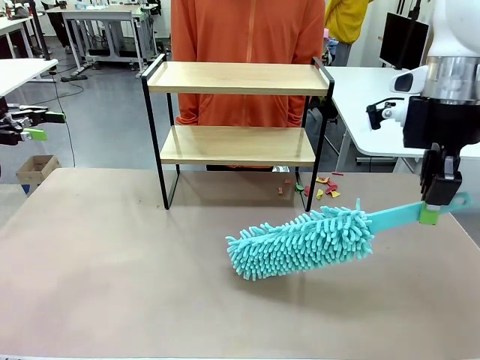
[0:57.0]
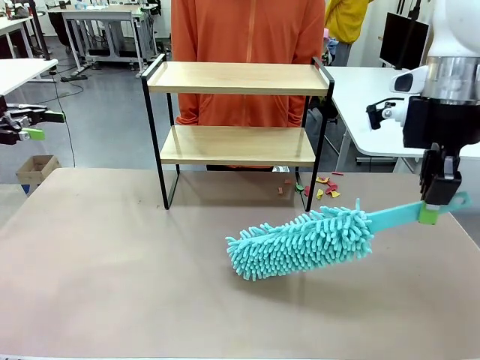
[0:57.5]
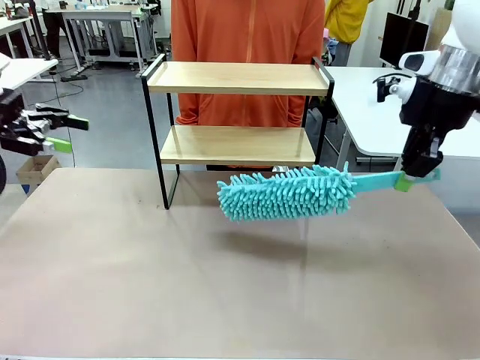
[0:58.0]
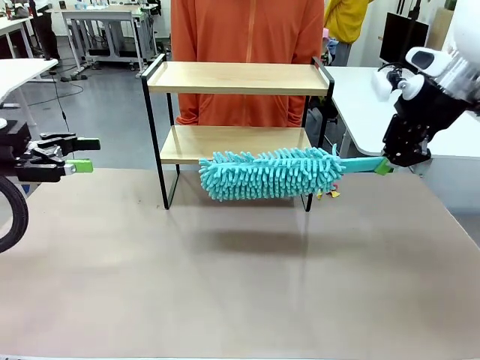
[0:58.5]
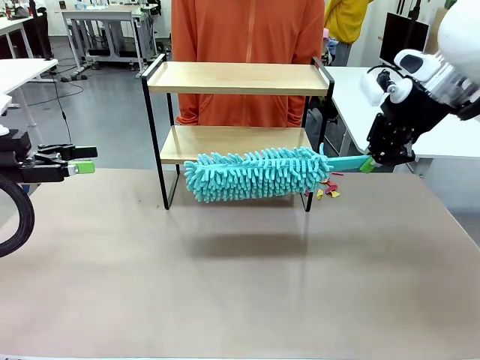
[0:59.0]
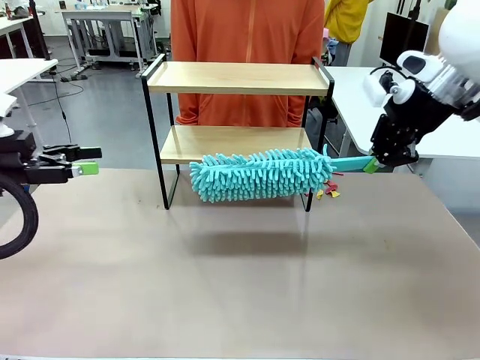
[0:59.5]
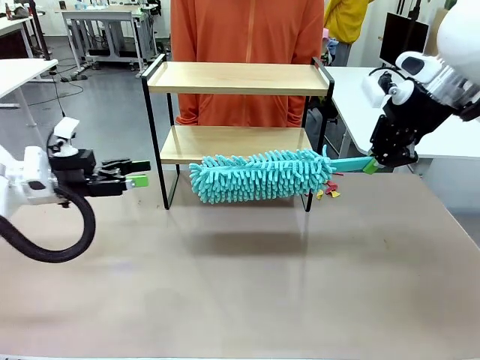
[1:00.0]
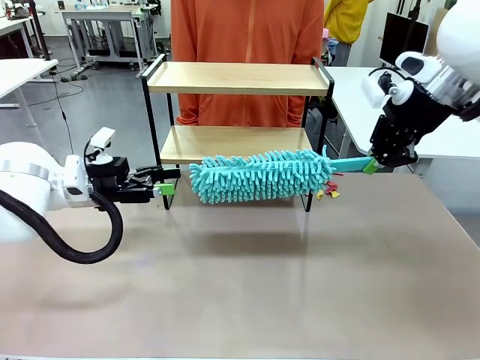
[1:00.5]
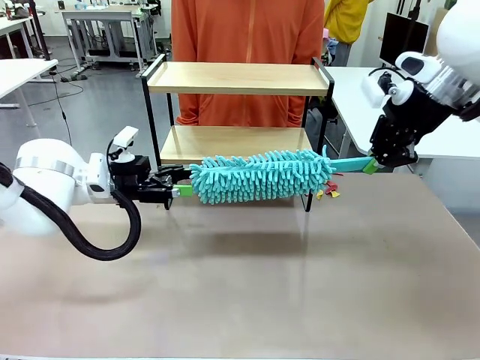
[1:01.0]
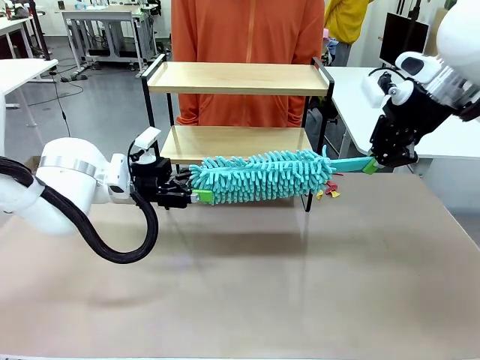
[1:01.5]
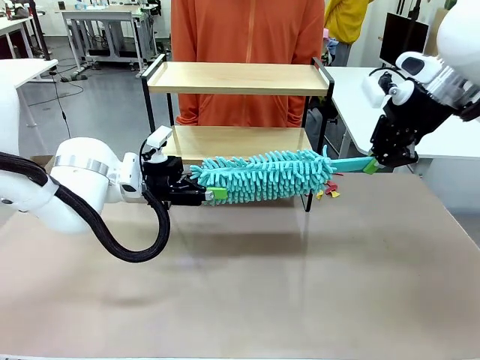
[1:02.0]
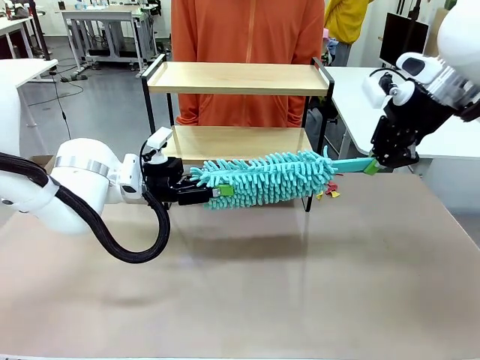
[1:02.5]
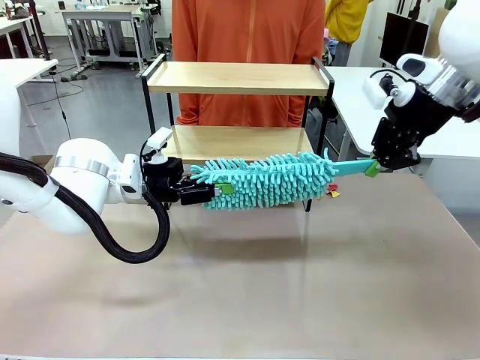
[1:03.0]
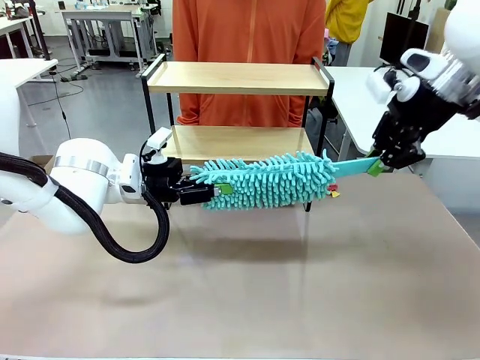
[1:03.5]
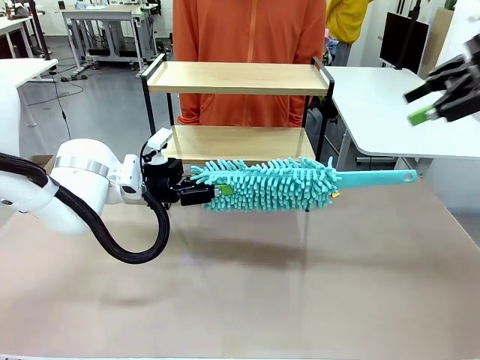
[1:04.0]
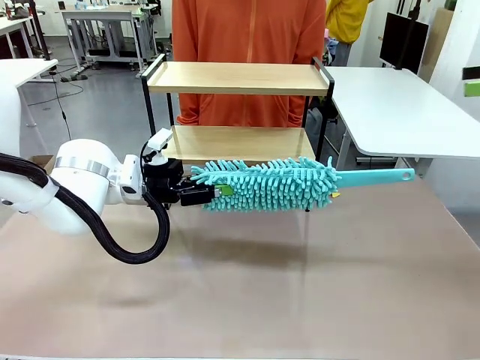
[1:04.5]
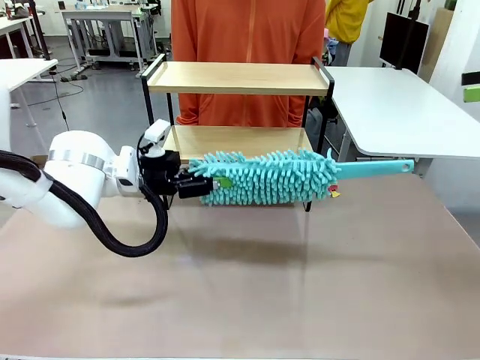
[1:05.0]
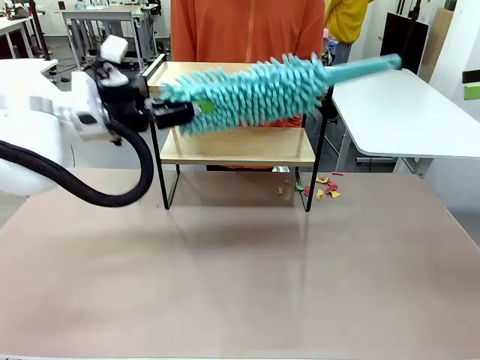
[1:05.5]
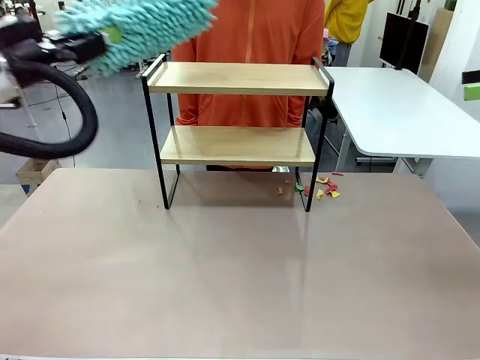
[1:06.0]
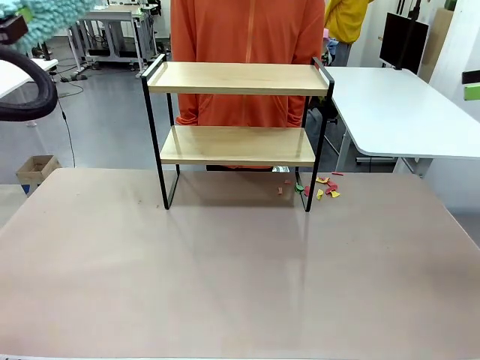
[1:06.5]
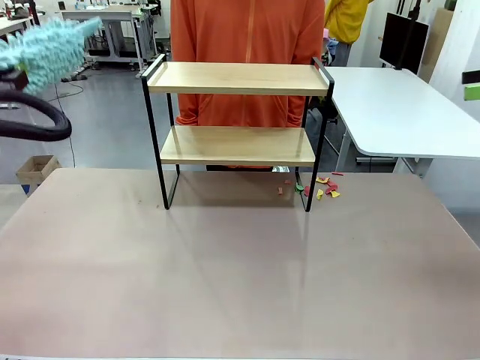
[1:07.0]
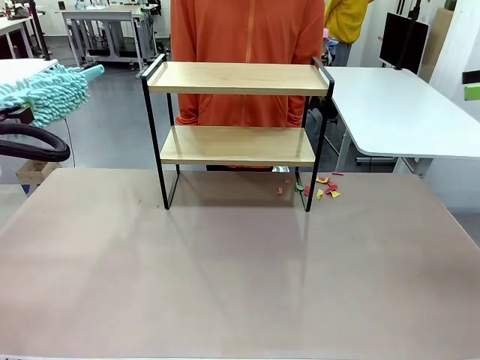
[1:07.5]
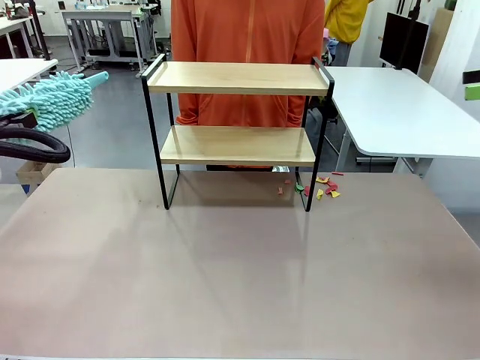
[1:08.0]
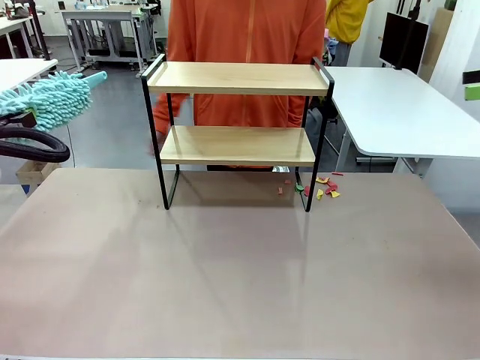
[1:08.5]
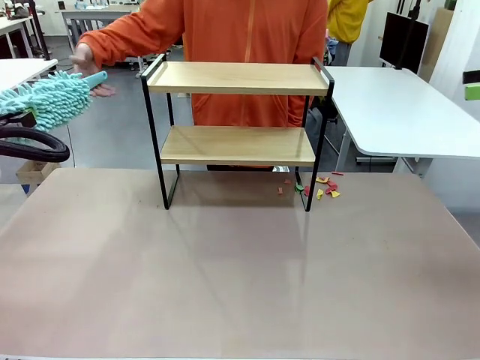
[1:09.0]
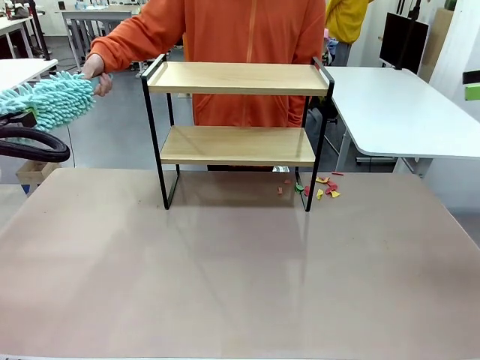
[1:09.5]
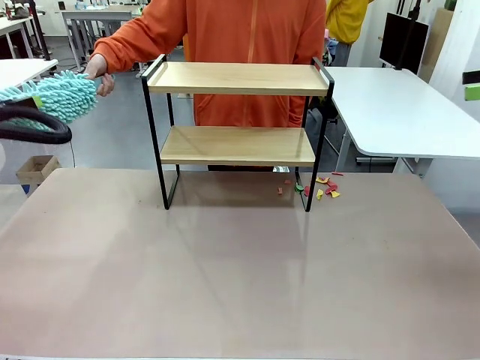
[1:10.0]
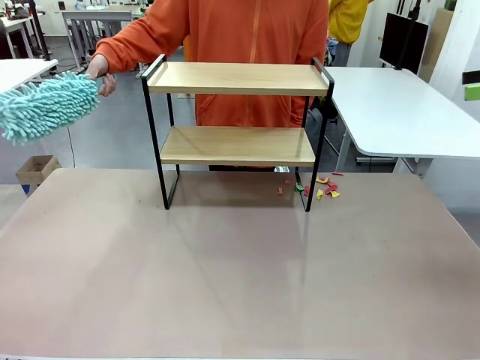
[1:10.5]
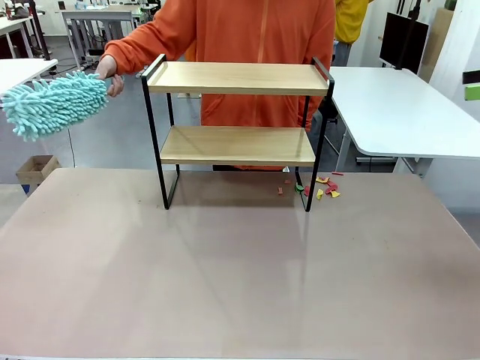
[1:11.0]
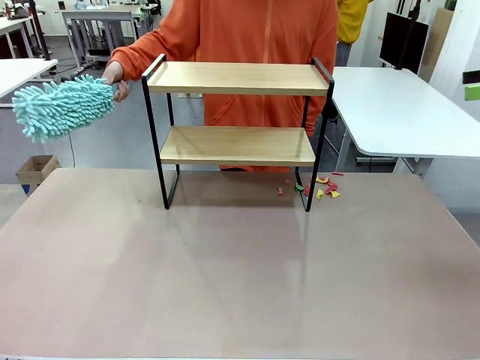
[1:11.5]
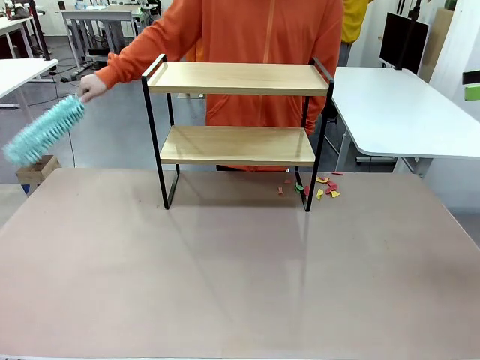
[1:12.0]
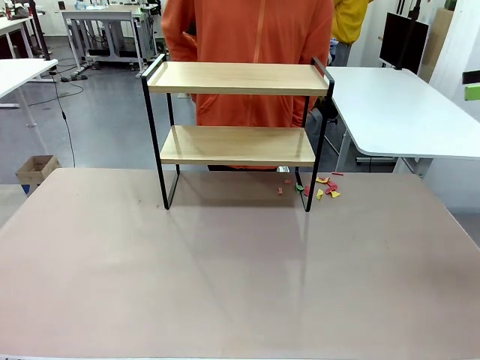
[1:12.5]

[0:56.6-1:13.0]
Task: Clean the shelf.
Robot: Hand the Duster back to the human.
Person: Receive the Duster from the robot.

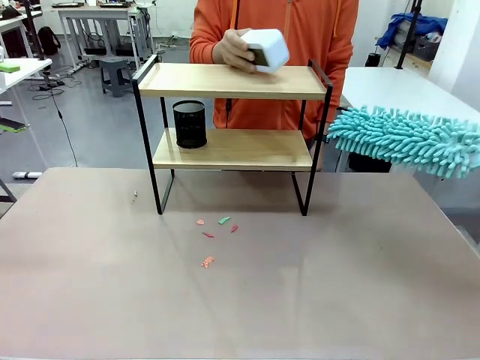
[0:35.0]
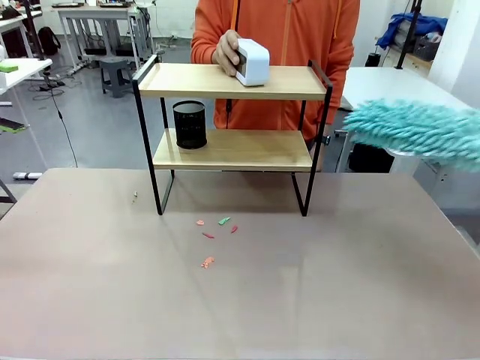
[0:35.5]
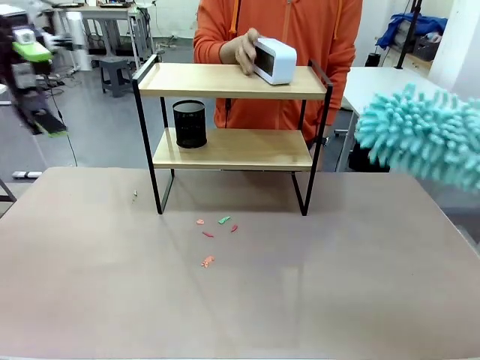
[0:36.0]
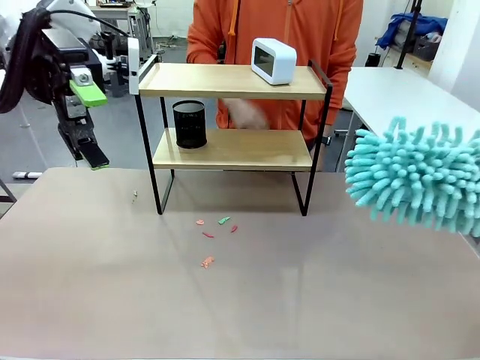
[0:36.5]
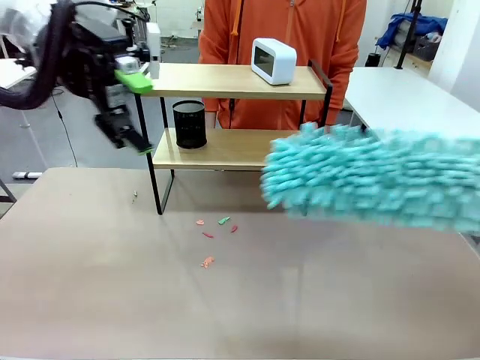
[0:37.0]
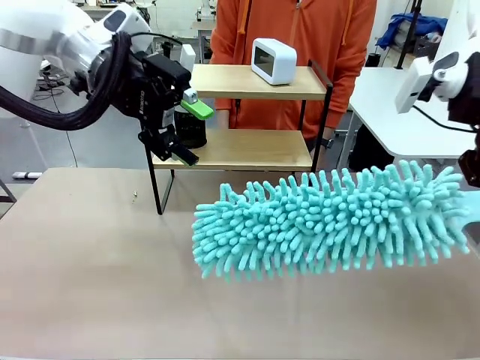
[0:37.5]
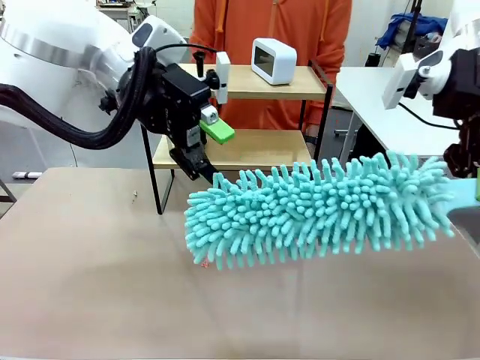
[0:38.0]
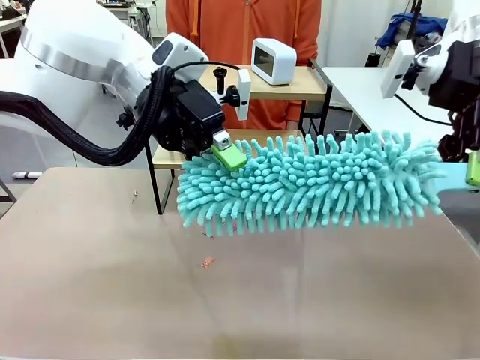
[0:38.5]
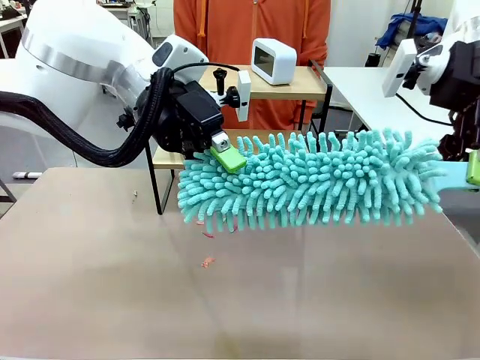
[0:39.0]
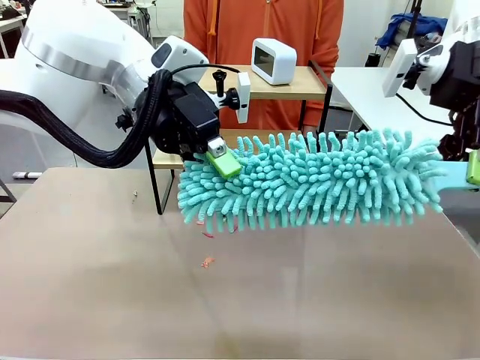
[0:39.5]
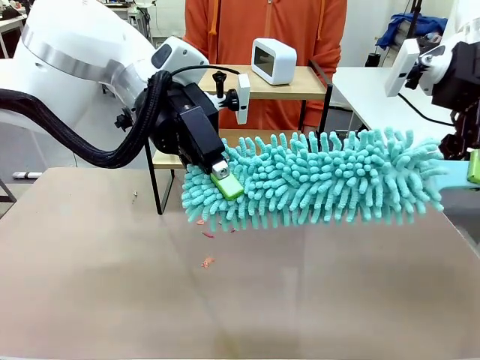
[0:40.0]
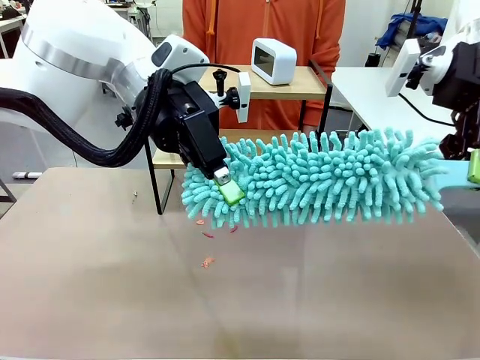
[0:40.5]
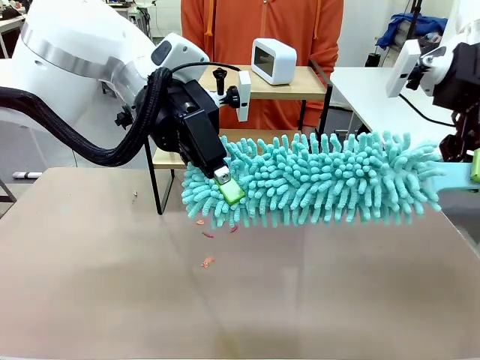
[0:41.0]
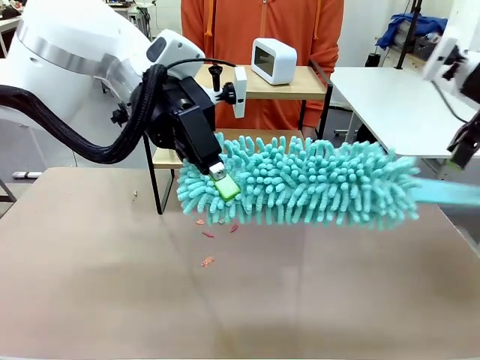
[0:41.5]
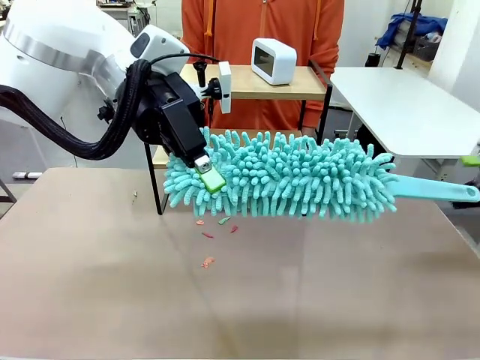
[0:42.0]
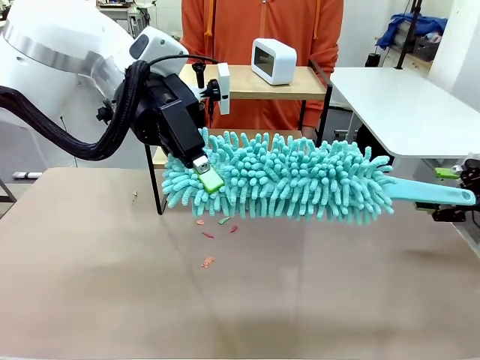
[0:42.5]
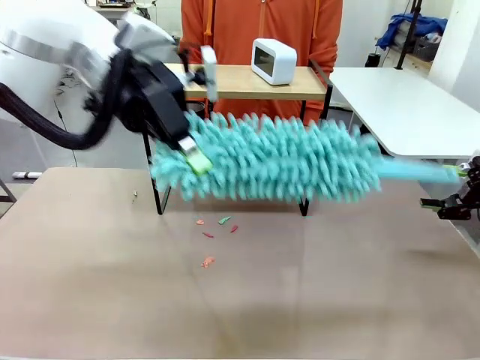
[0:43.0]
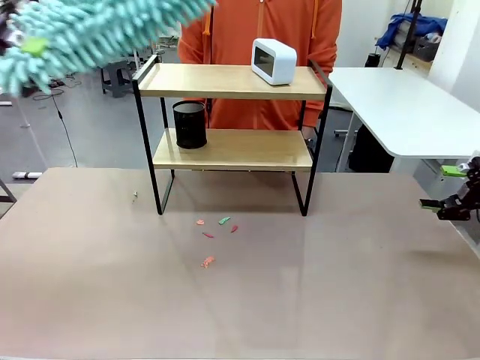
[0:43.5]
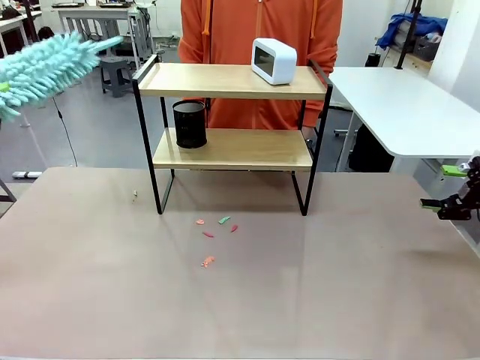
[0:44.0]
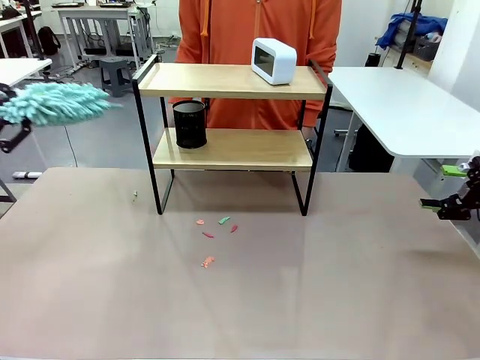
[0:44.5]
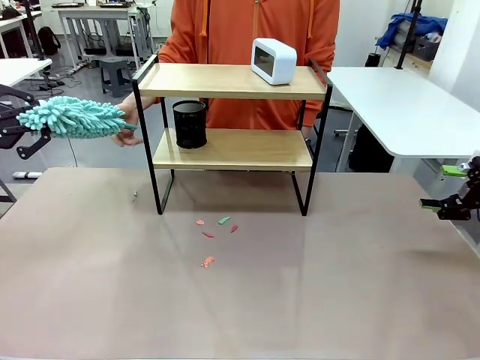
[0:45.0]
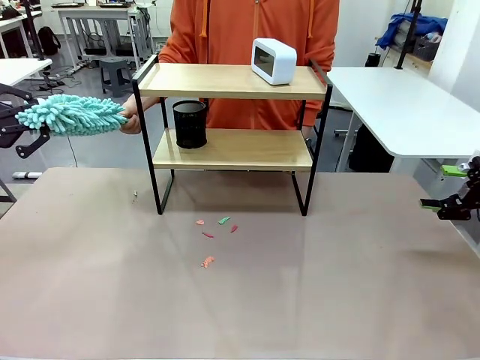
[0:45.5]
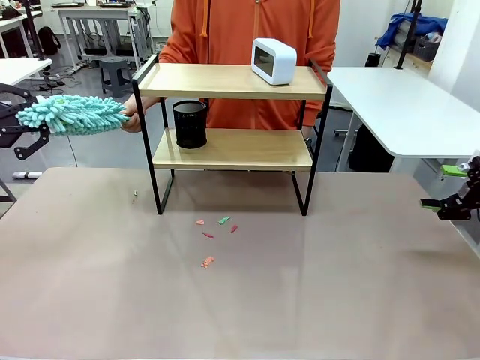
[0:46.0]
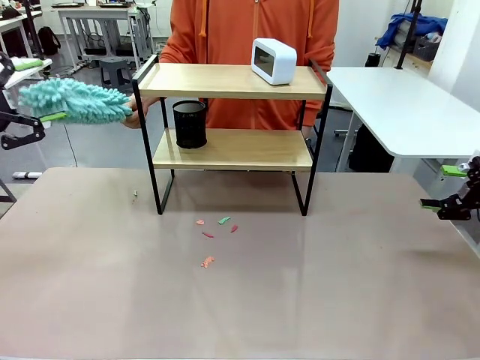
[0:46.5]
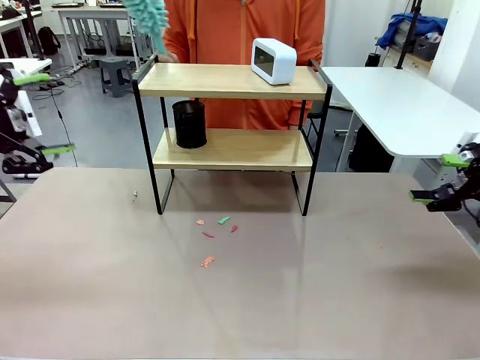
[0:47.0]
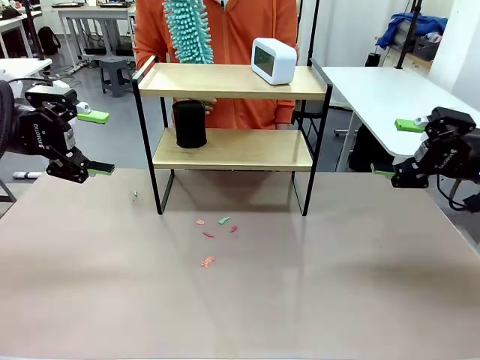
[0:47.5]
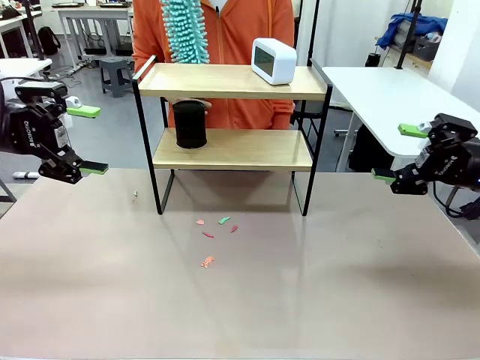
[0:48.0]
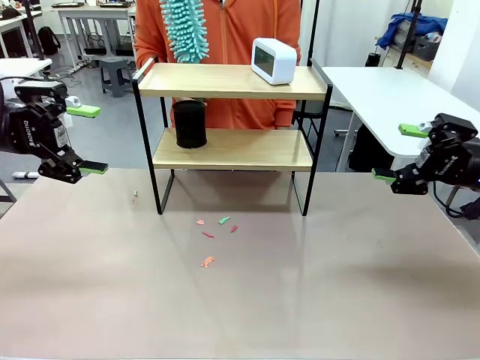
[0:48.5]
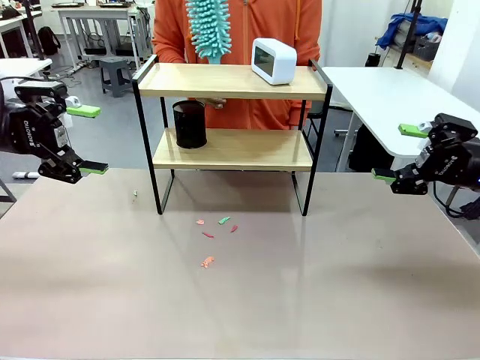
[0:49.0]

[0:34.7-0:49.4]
Task: Clean the shelf.
Robot: Hand the Duster back to the human.
Person: Receive the Duster from the robot.
